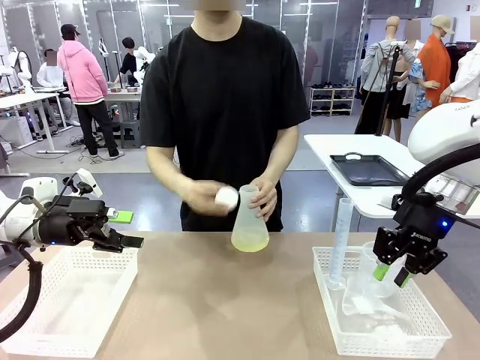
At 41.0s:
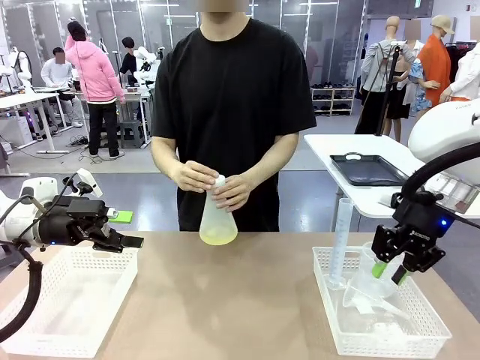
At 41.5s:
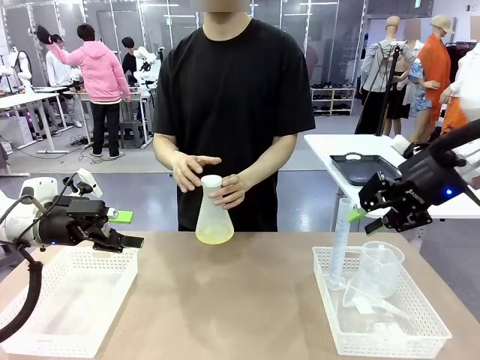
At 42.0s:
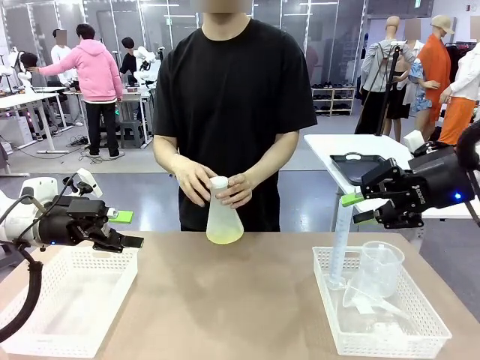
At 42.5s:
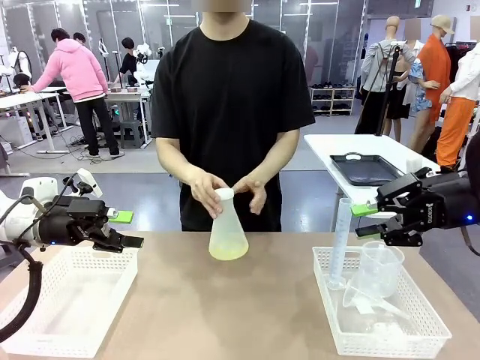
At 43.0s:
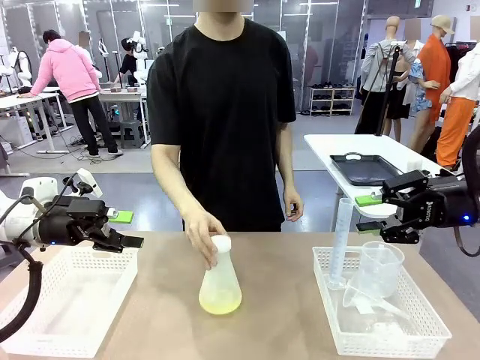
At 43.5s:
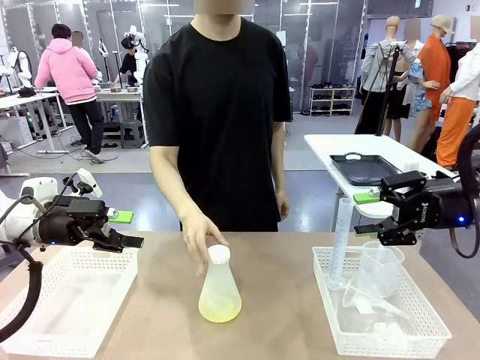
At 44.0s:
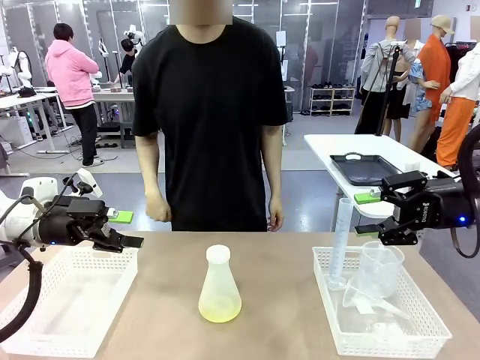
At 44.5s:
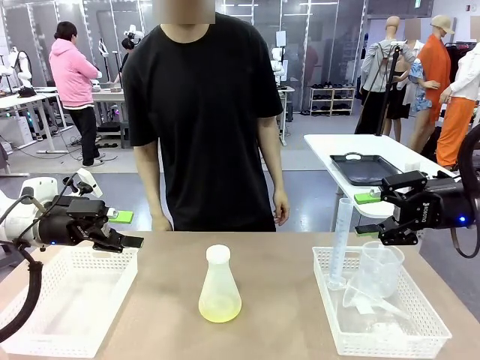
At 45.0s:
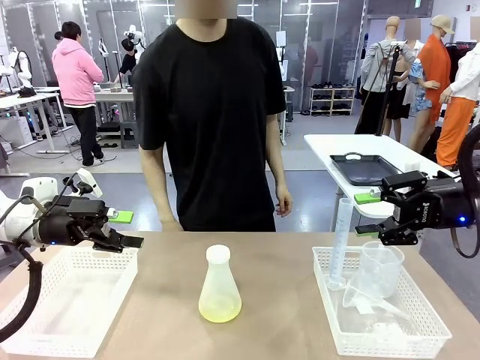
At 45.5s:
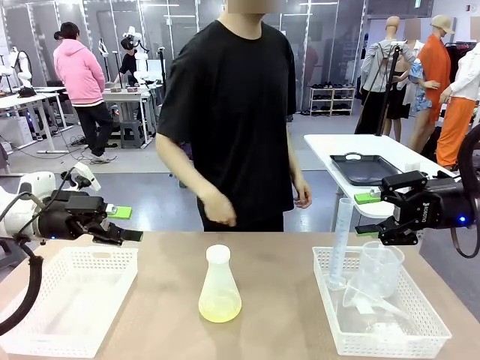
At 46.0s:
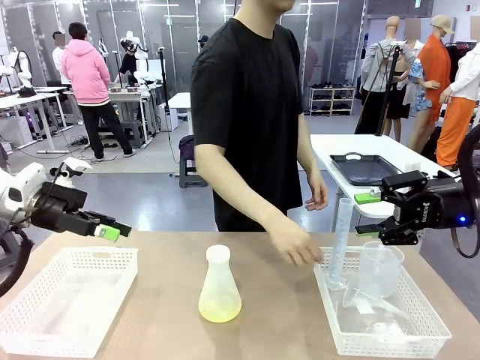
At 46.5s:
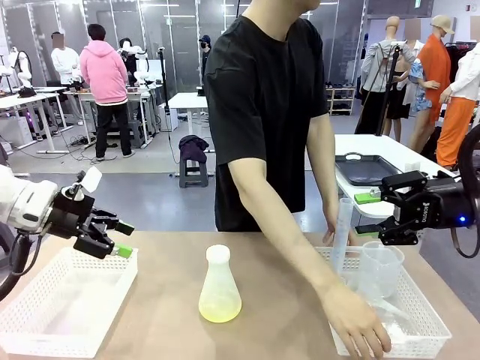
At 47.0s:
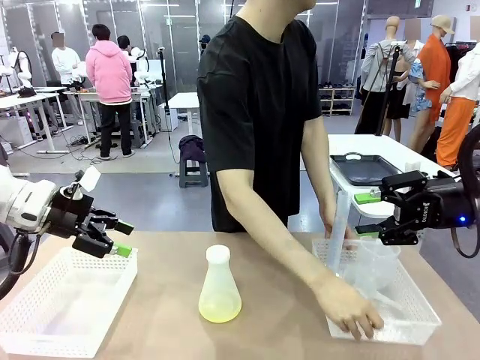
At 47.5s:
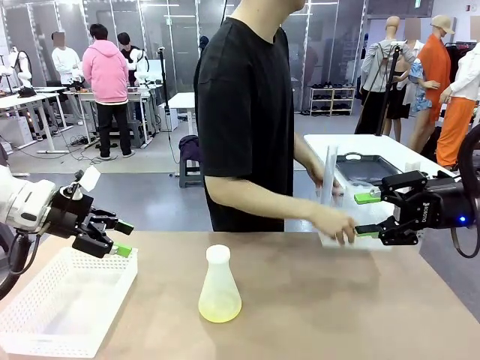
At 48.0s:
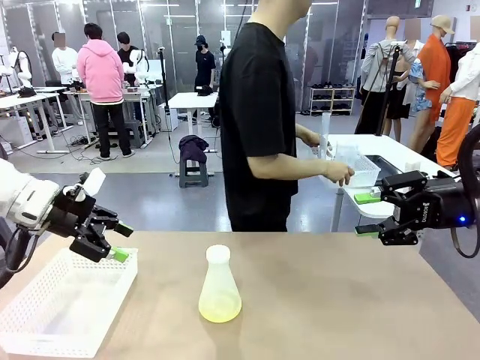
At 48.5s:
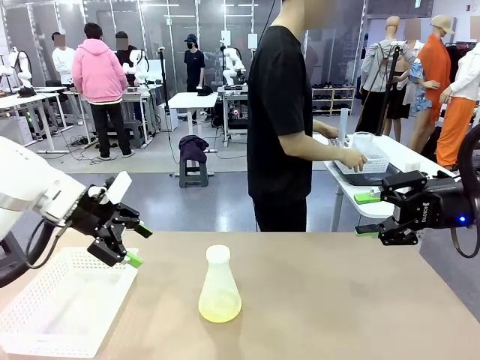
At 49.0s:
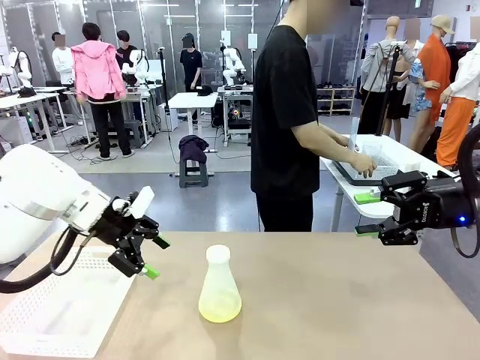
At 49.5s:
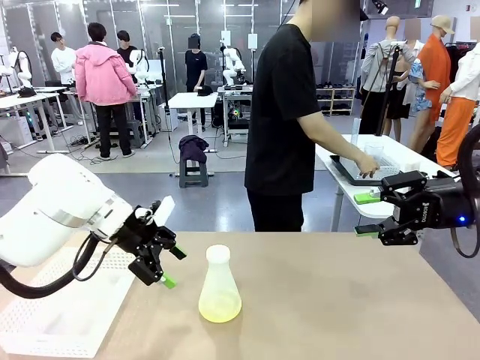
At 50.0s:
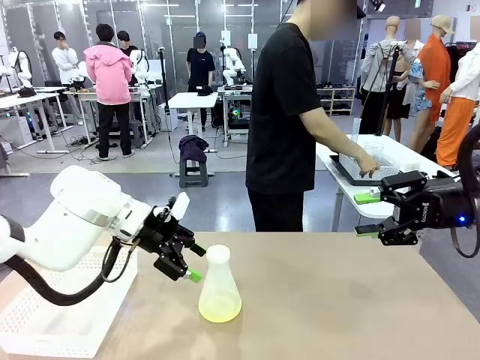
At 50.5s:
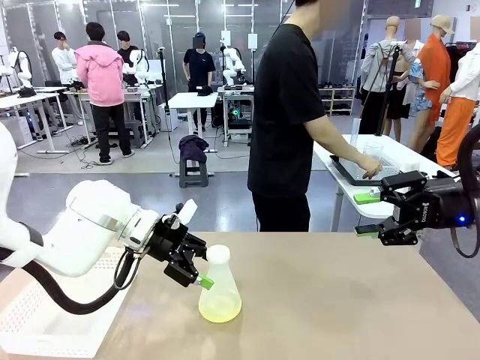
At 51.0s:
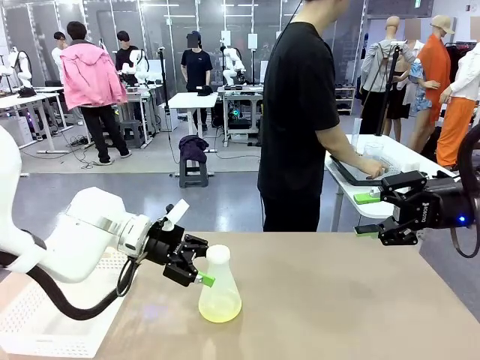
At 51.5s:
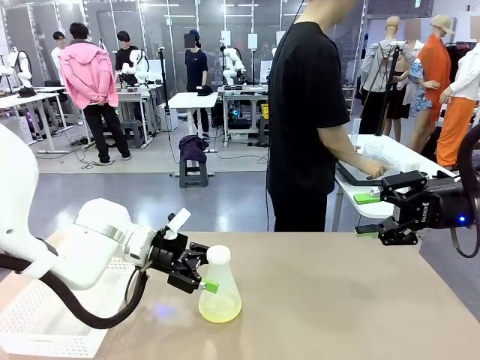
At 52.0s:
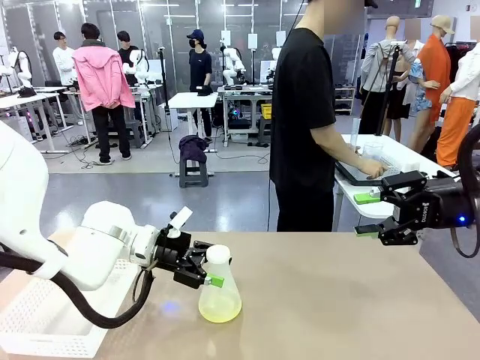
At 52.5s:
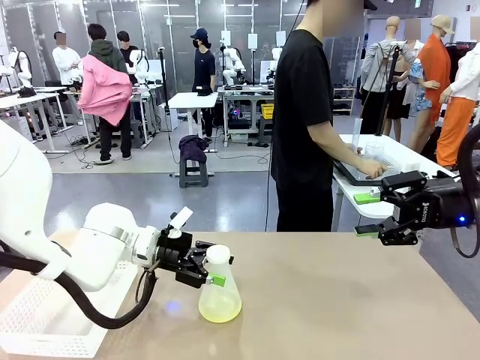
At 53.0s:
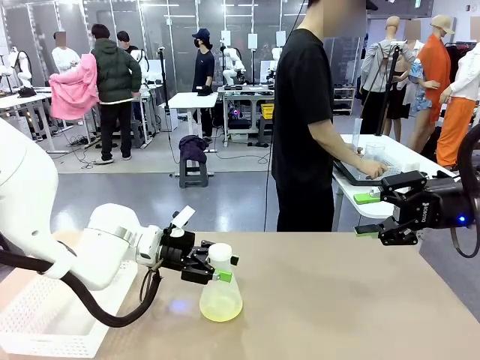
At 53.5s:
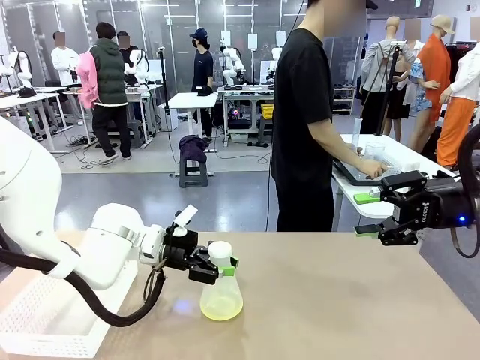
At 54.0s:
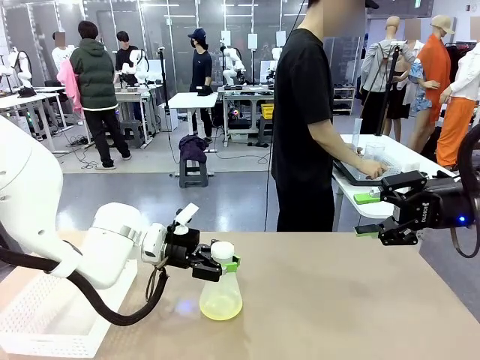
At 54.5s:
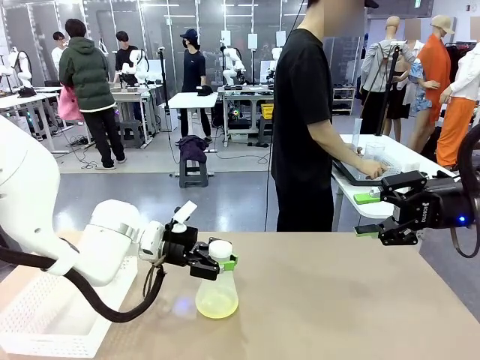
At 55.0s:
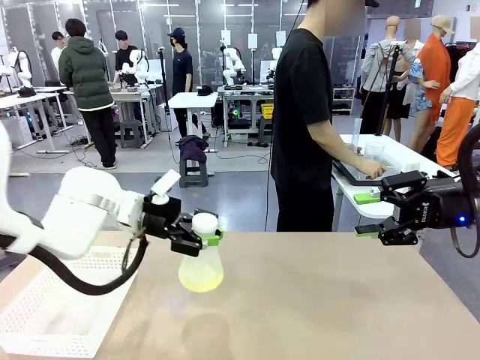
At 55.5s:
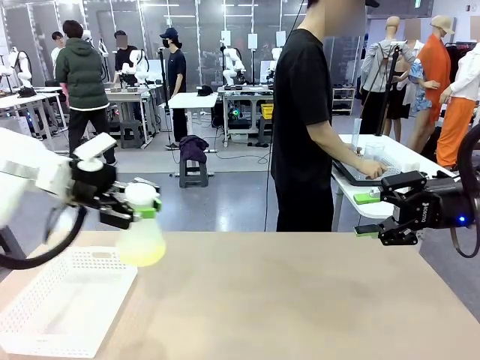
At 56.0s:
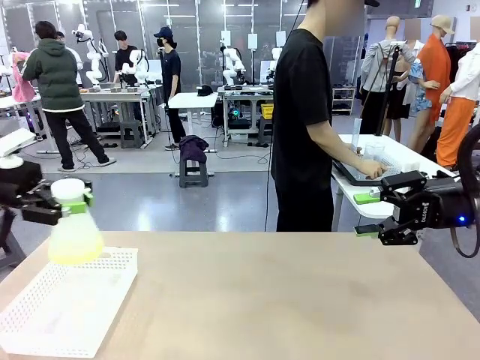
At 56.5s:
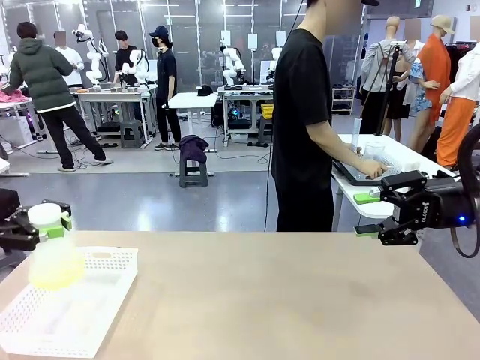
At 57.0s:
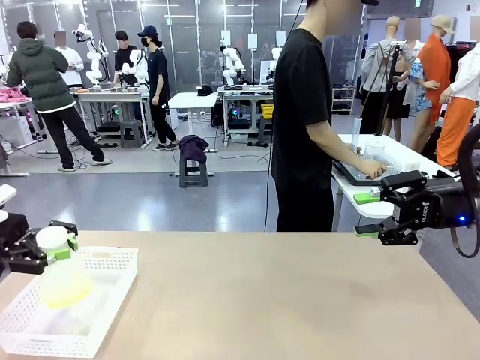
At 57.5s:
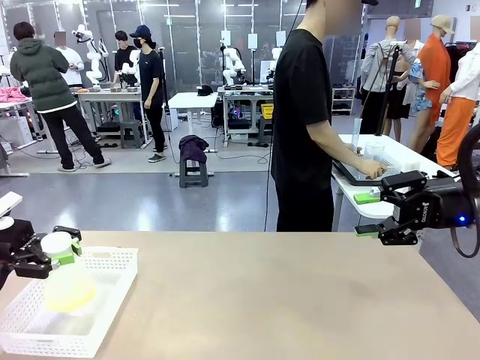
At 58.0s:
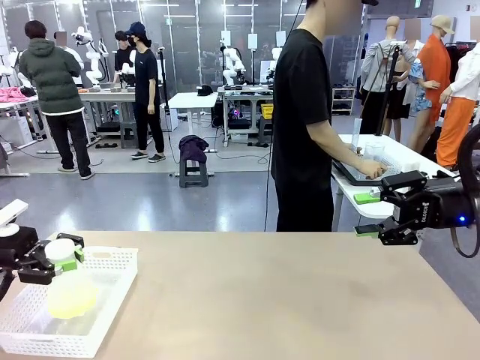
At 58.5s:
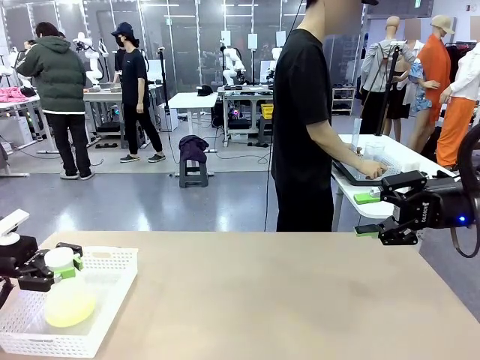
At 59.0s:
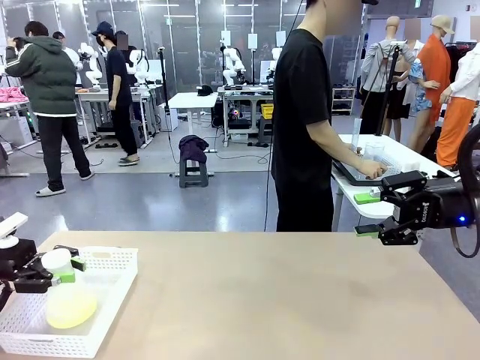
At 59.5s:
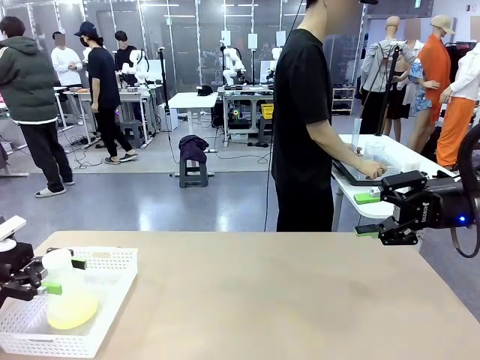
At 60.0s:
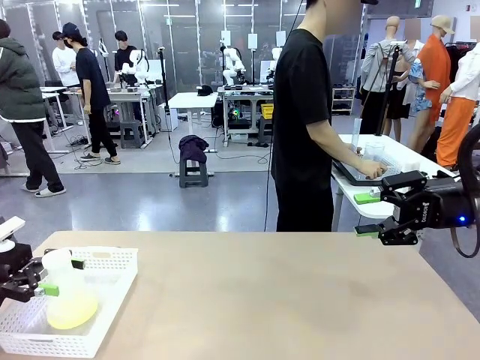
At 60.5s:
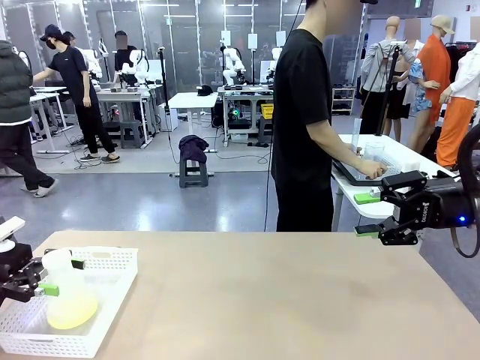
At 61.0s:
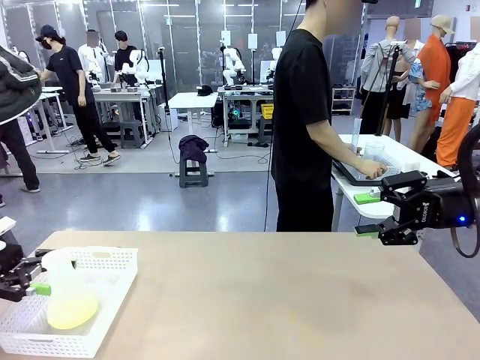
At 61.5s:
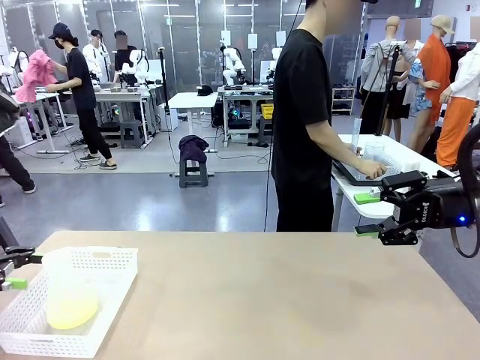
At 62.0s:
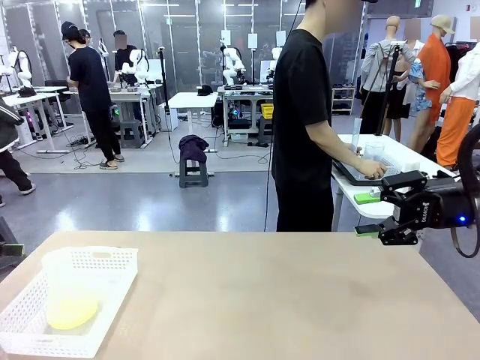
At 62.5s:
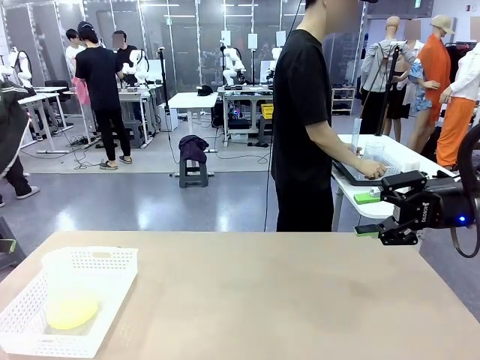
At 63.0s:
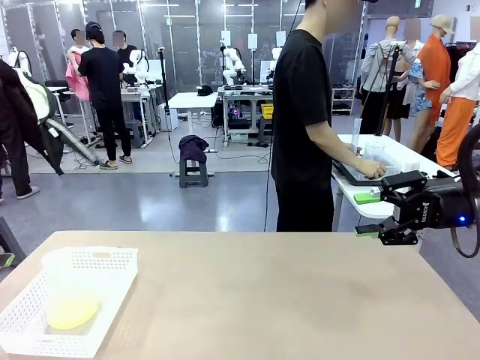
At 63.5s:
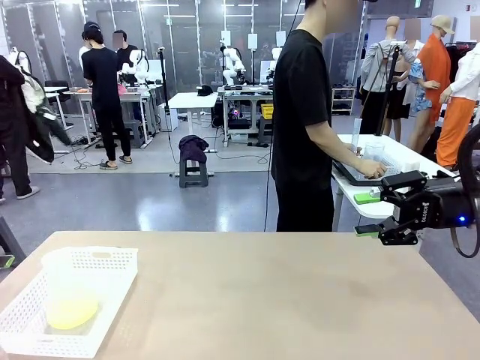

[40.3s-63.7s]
Task: Prepare the solutions needed for the experiment.
Robot: When the human places the Big flask in the center of the table, pick up the Big flask and place it in the left Organizing basket.
Person: Pick up the organizing basket on the left side of the robot table and place it on the left side of the human table.

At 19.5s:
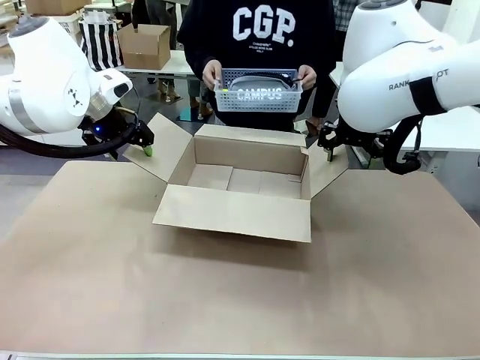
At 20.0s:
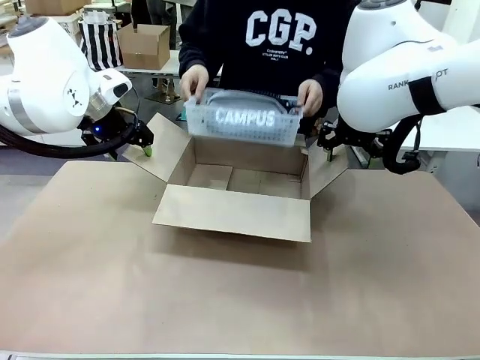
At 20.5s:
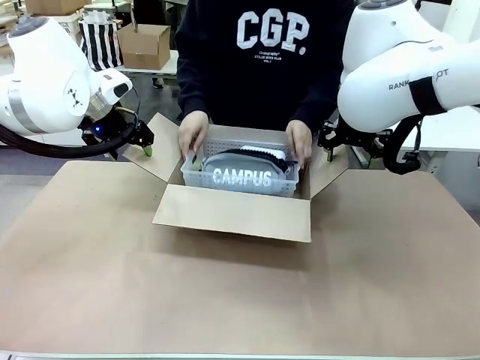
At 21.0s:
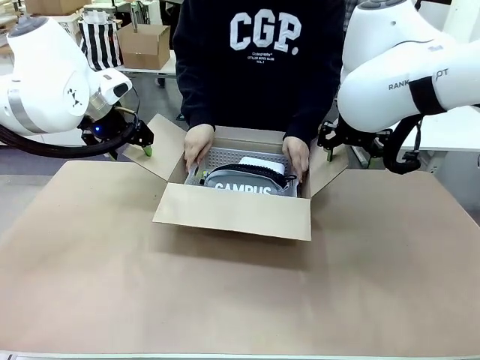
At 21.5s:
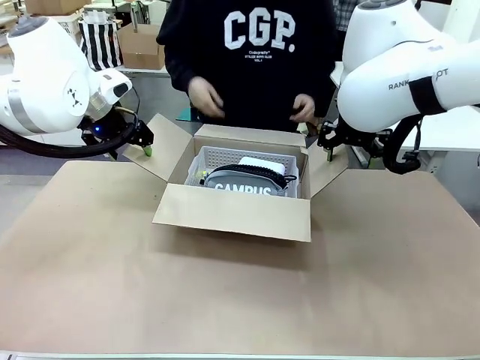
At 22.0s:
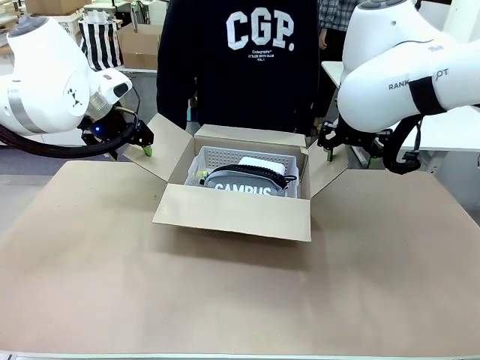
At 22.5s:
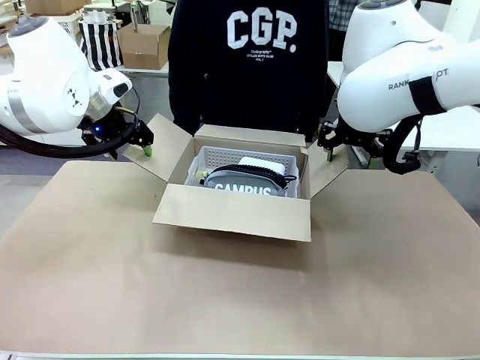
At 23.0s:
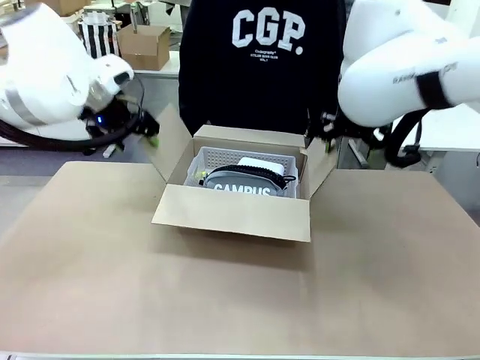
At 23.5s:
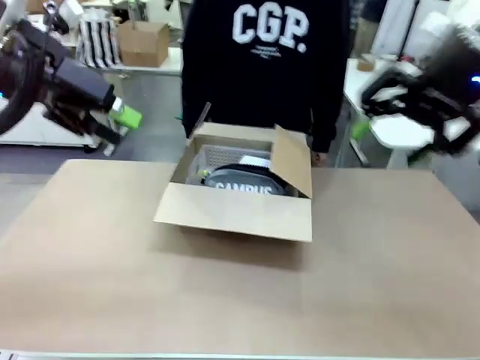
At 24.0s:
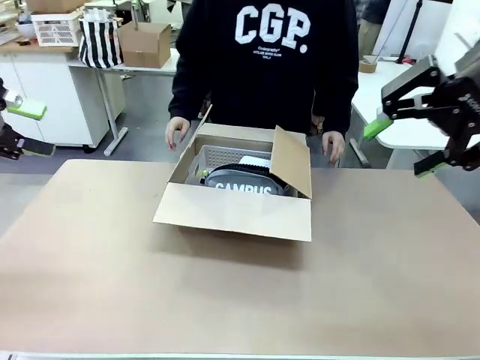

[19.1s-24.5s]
Task: Pack the gift set into the box.
Robot: Lift both hands away from the flaps of the Package Box.
